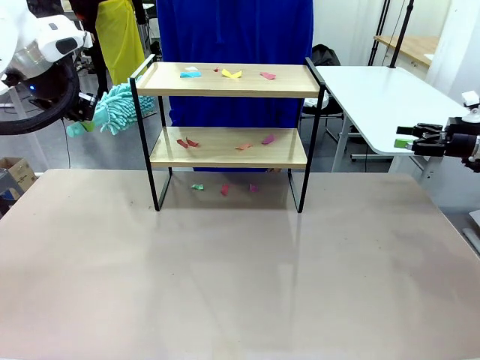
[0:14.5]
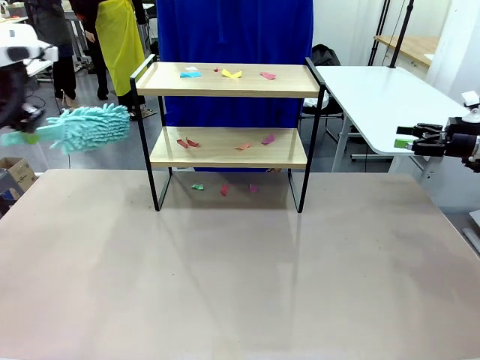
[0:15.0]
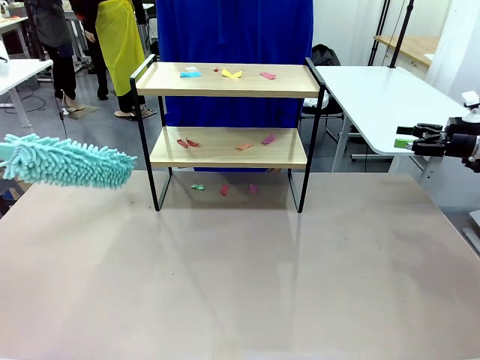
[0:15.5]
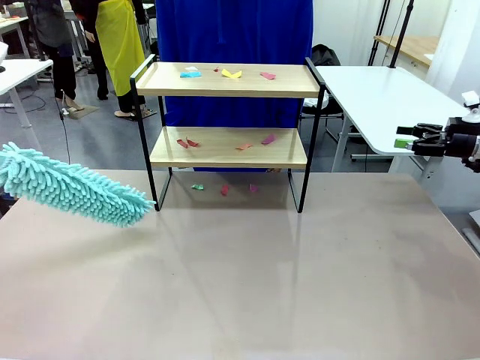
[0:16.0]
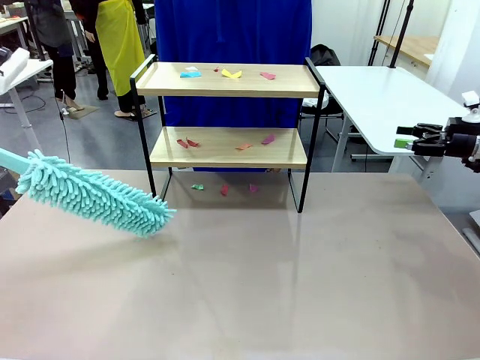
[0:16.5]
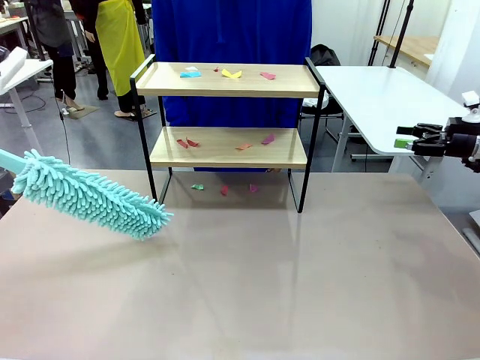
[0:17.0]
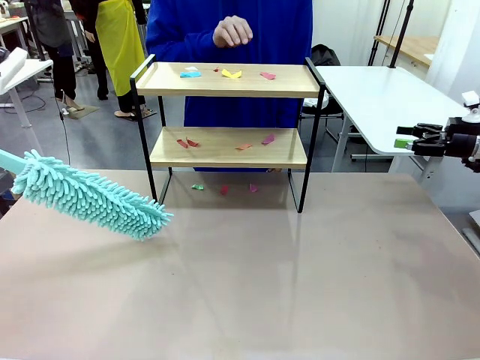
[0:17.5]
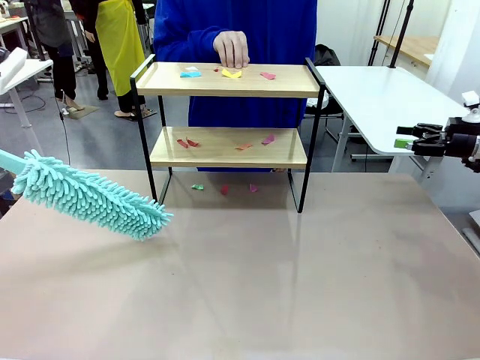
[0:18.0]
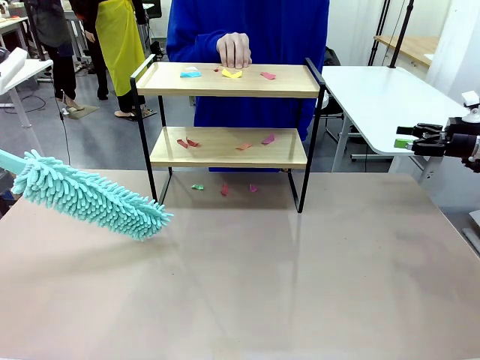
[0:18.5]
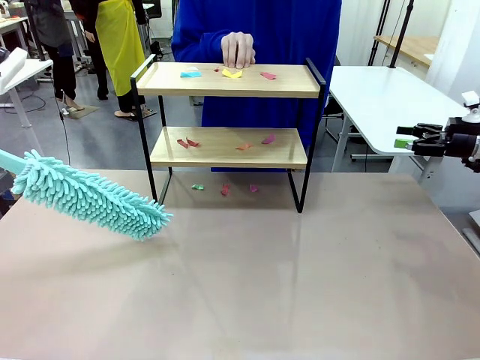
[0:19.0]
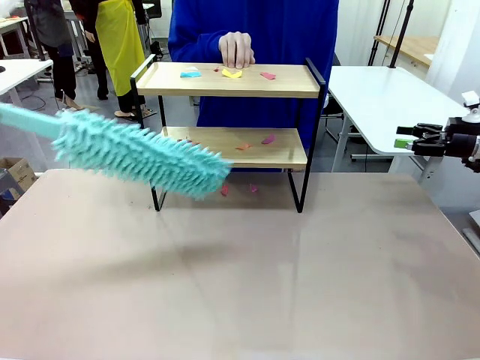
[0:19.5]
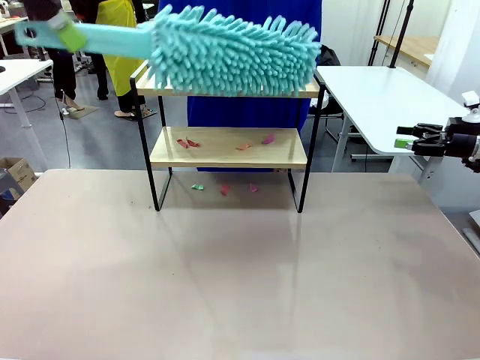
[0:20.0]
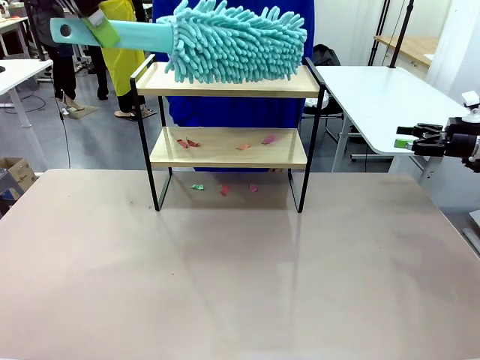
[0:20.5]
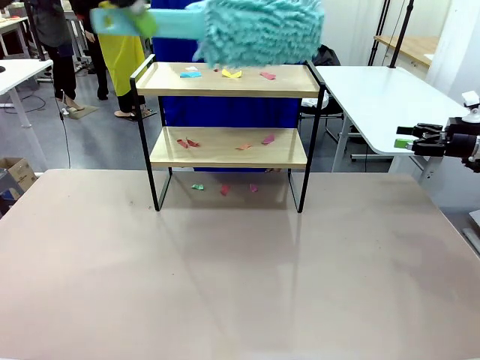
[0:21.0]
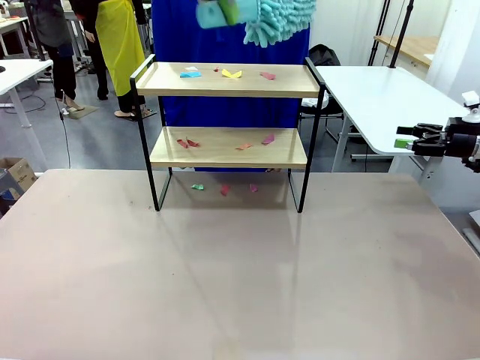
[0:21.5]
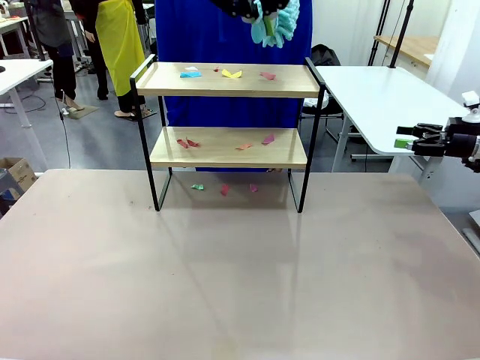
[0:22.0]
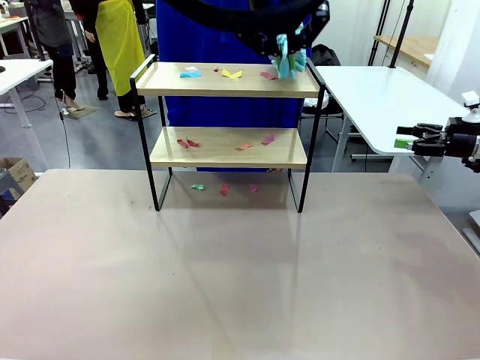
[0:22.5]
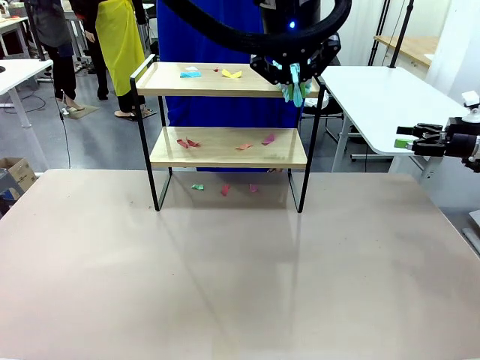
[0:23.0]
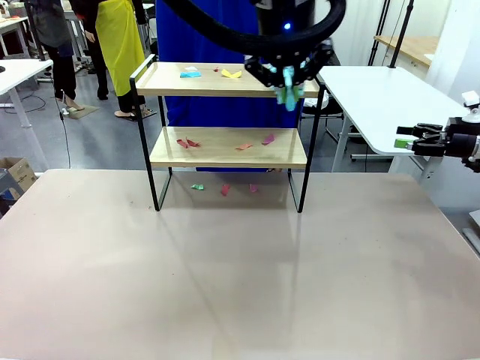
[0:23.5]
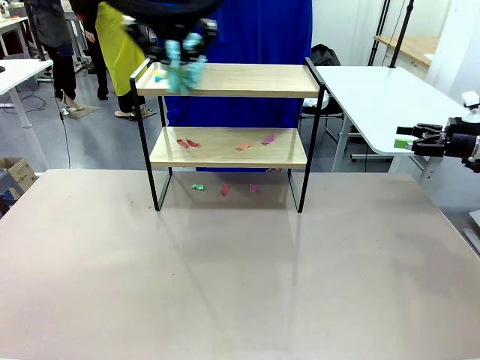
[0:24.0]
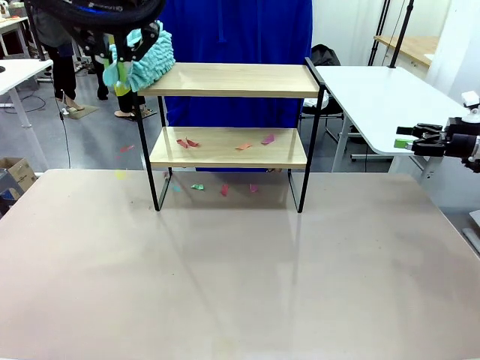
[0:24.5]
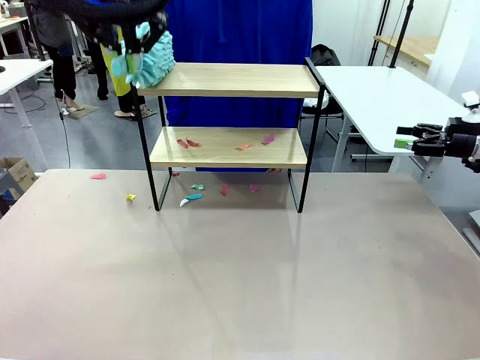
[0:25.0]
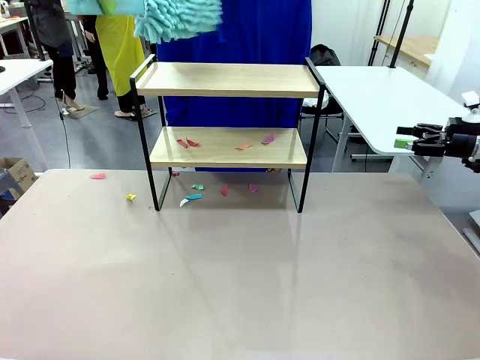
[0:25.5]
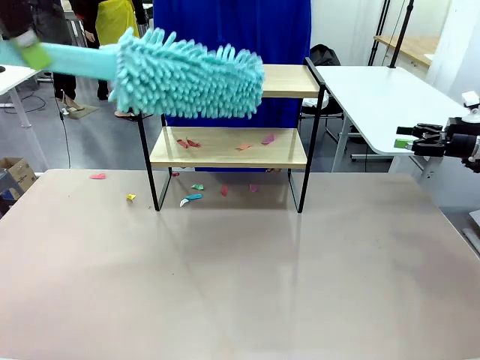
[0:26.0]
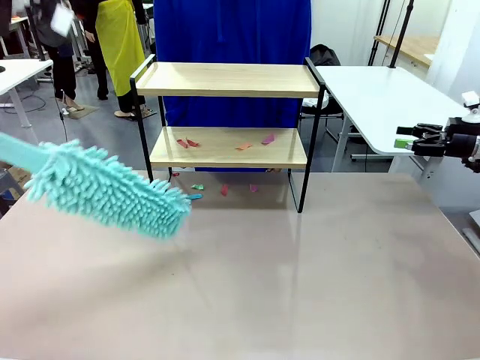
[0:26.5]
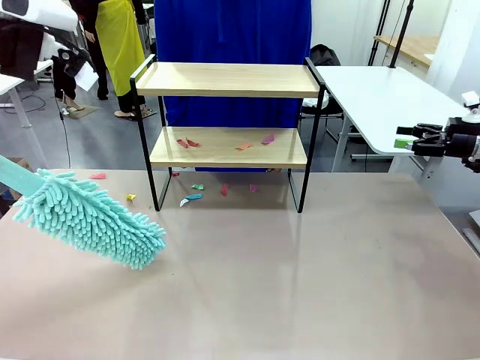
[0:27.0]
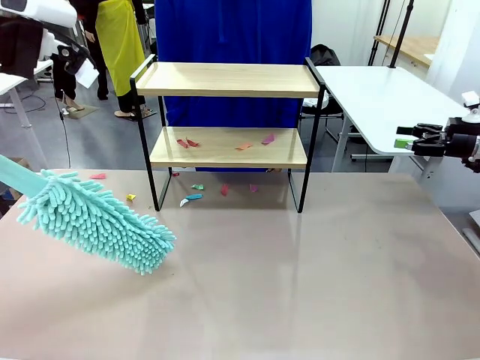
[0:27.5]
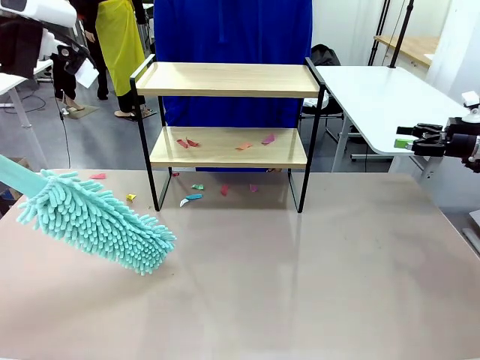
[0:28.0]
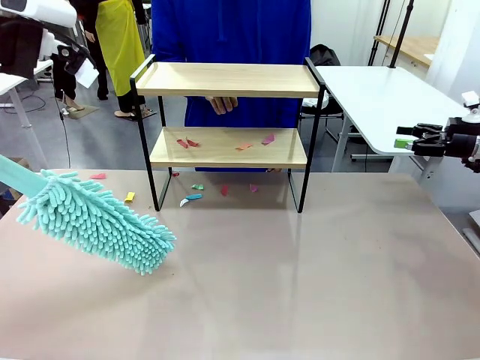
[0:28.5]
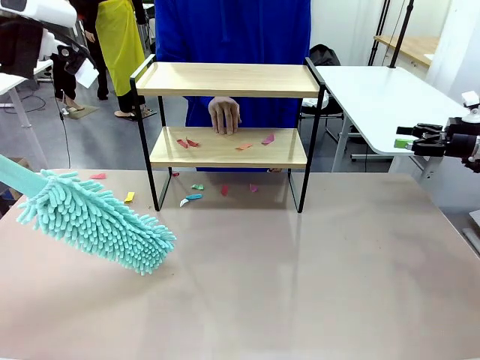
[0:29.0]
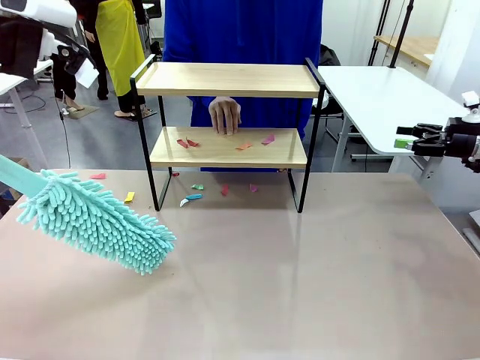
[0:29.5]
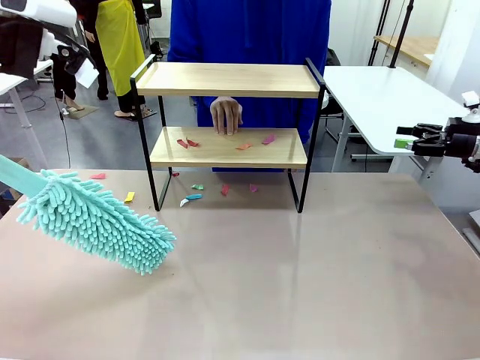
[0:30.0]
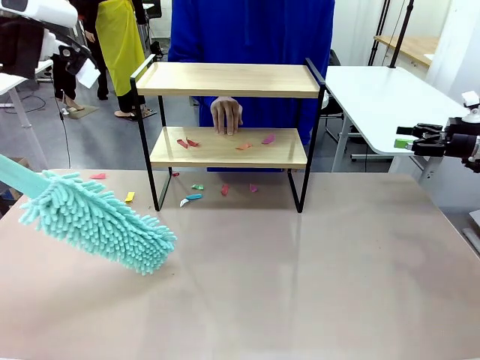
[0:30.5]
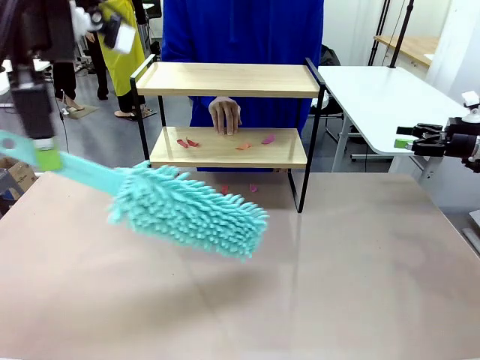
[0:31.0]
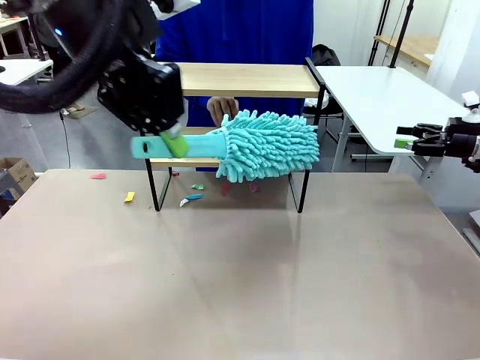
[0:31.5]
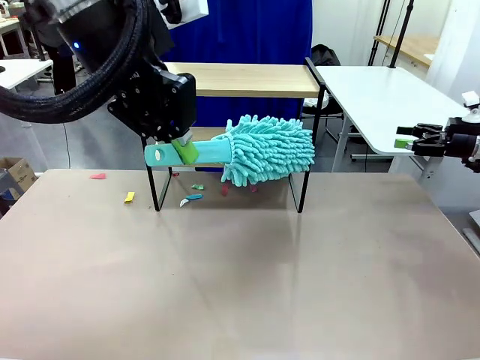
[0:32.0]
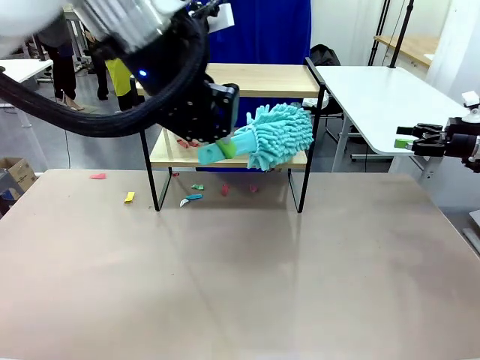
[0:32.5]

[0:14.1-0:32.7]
Task: Clean the shelf.
Robot: Clean the specific section of the Shelf indicated by the human with the Duster.
Person: Point a random section of the Shelf.

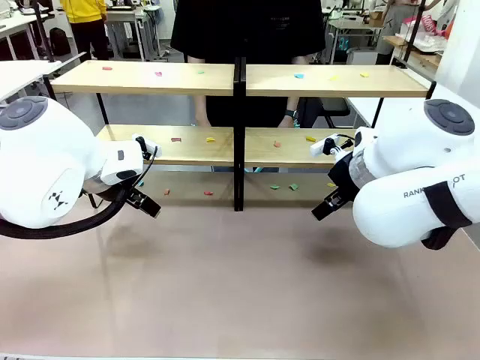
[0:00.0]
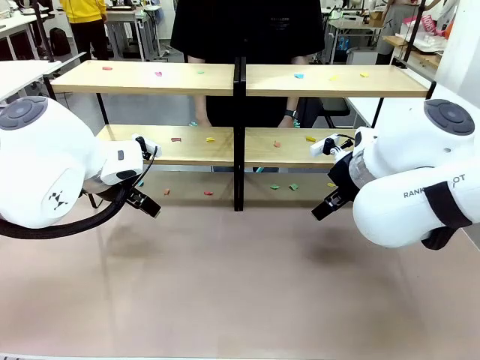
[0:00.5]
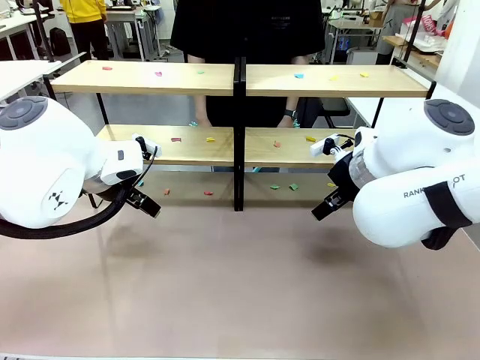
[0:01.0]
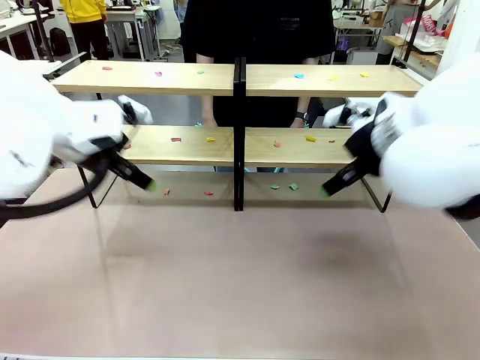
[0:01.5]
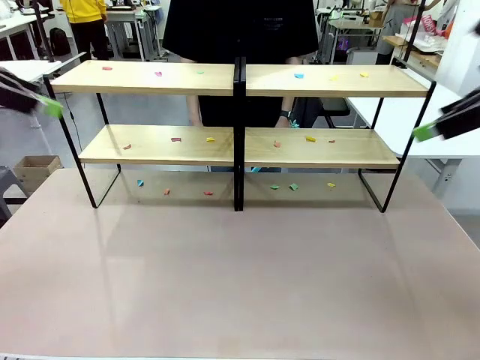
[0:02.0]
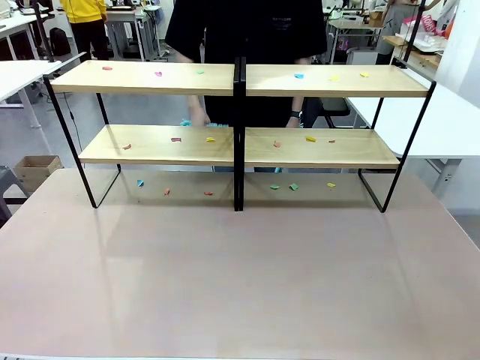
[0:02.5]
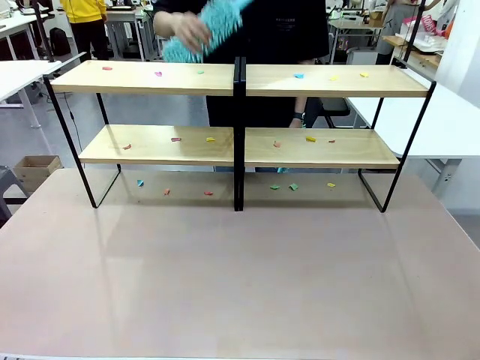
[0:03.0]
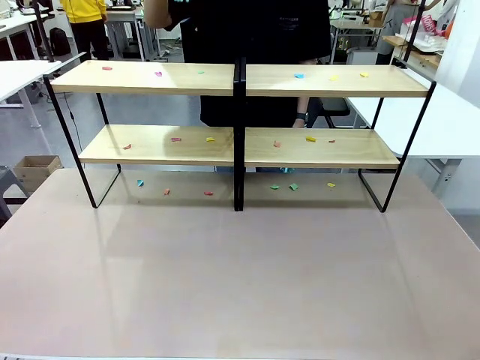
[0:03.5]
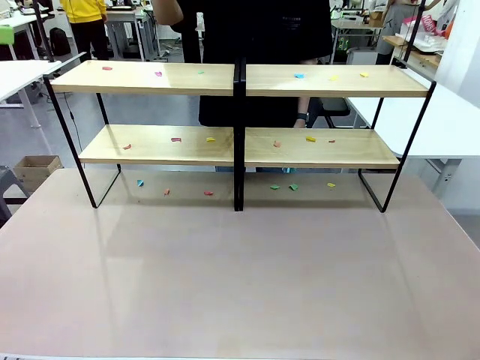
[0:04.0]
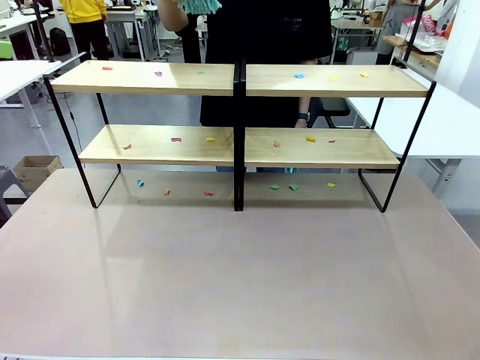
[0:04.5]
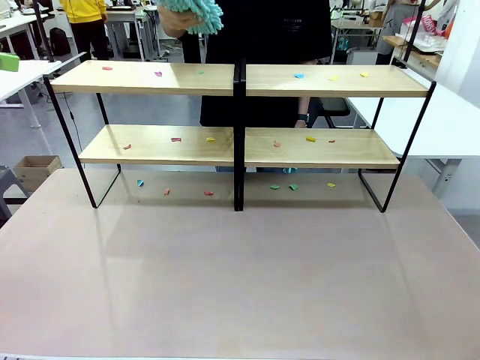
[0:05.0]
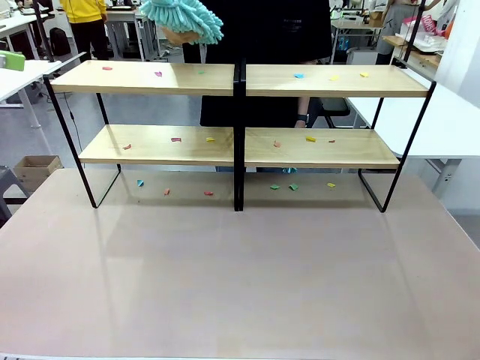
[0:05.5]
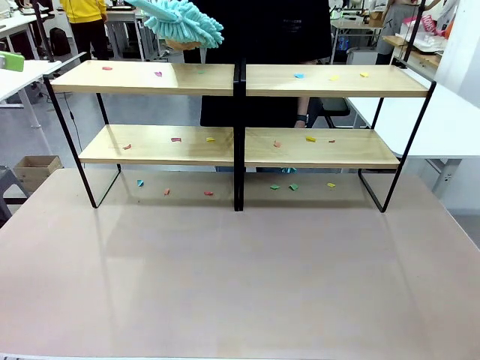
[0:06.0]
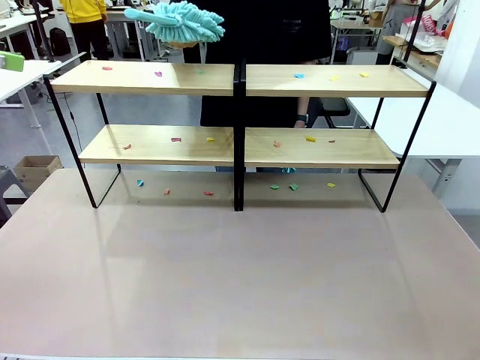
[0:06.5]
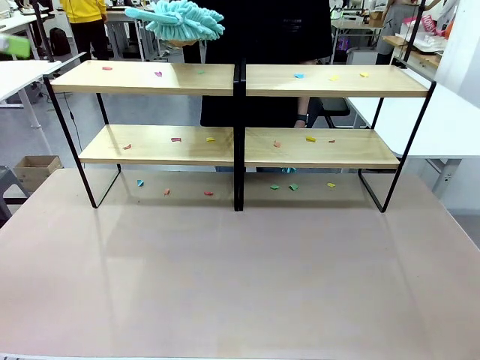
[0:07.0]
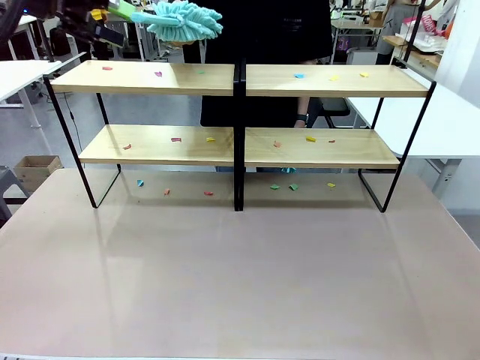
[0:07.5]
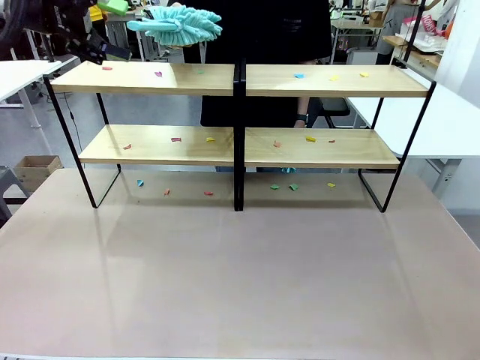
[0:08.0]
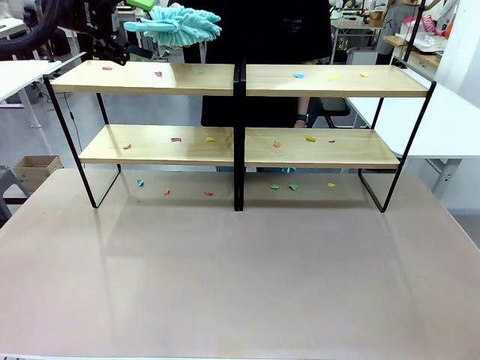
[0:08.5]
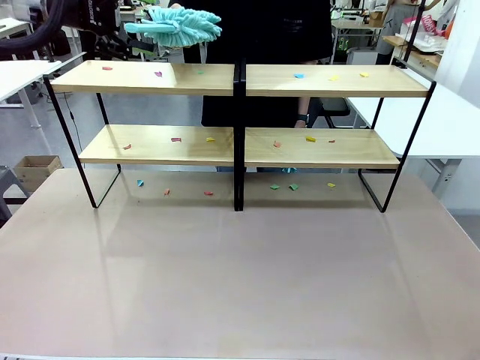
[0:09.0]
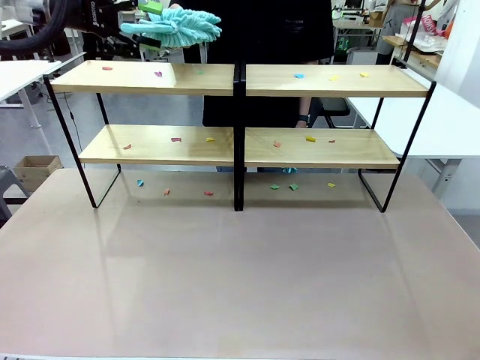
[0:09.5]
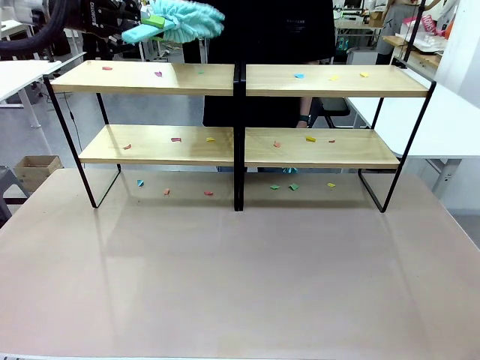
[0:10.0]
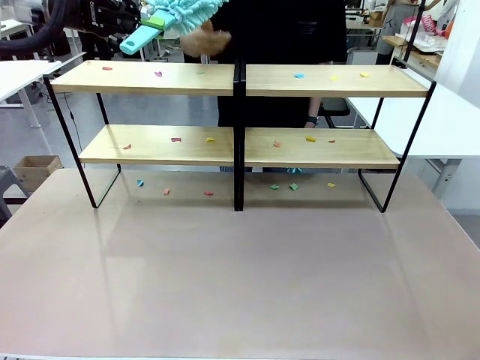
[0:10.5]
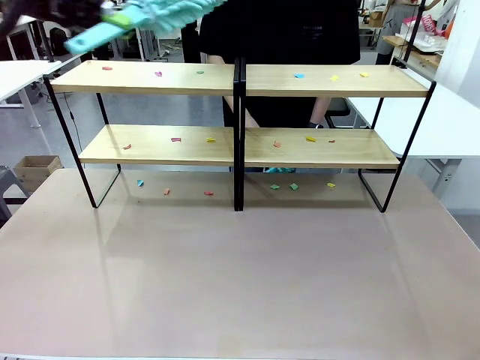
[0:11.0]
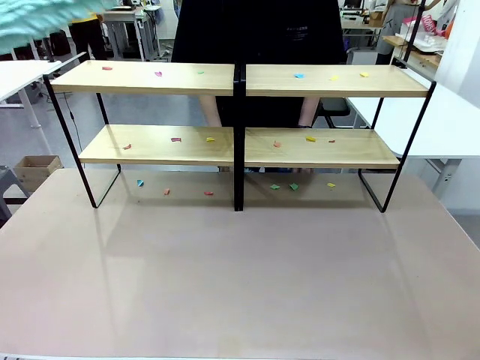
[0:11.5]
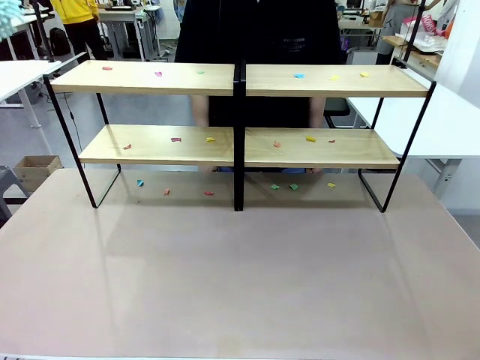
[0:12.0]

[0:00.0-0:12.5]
Task: Clean the shelves.
Robot: Pick up the Duster when the human hands it over.
Person: Hand the Duster to the robot with your right (or left) hand.
